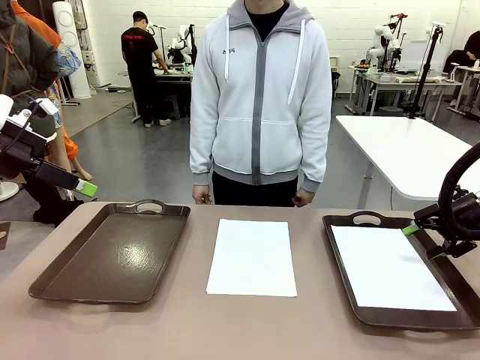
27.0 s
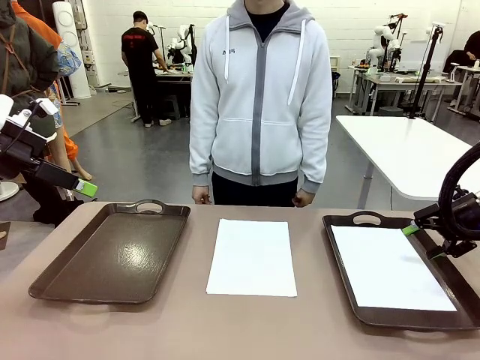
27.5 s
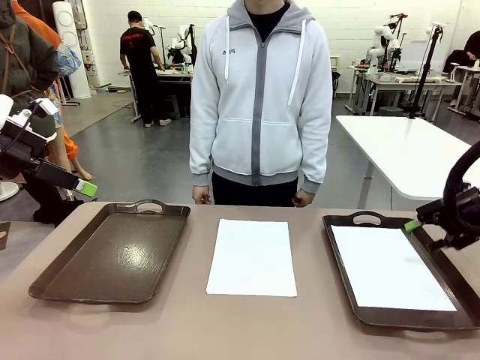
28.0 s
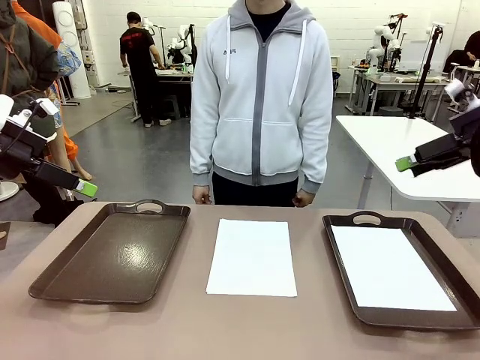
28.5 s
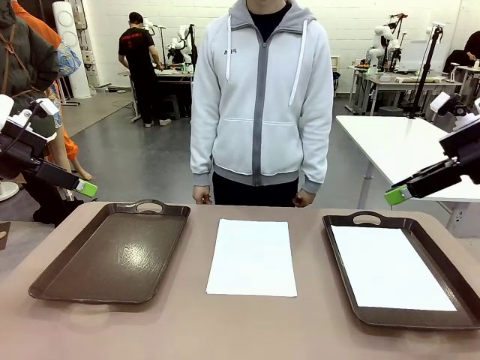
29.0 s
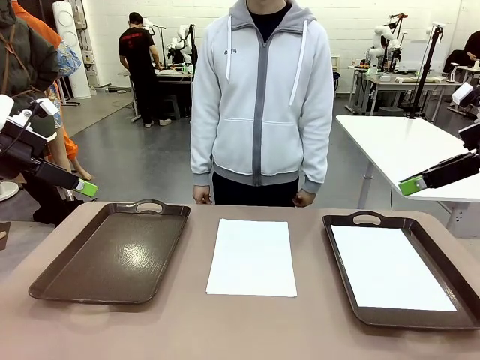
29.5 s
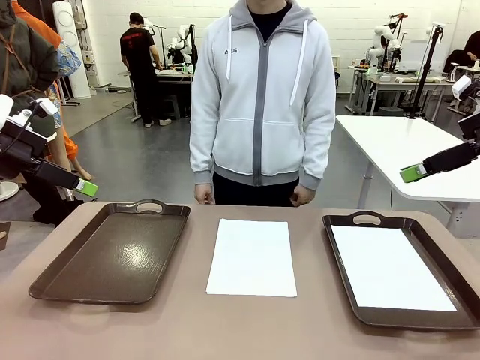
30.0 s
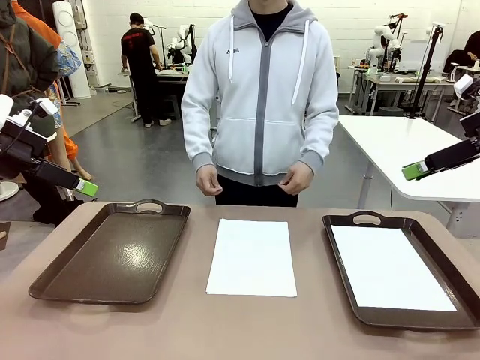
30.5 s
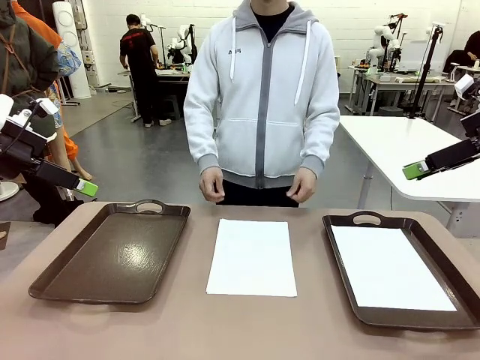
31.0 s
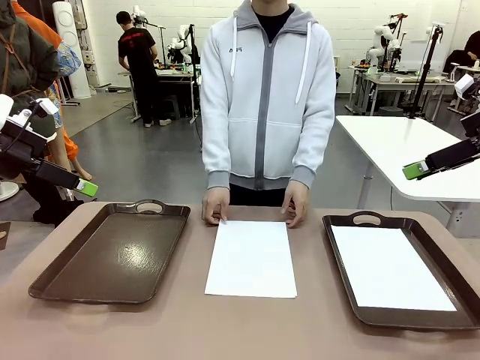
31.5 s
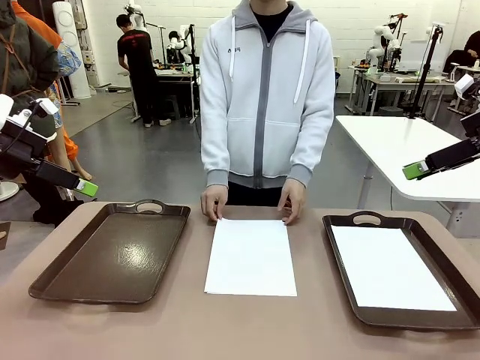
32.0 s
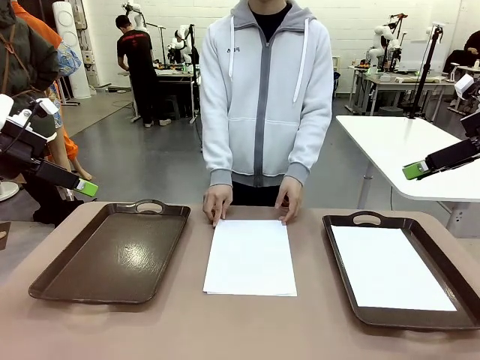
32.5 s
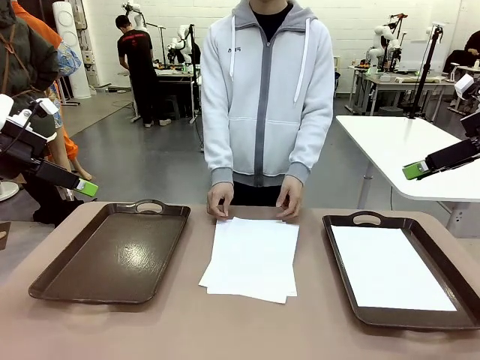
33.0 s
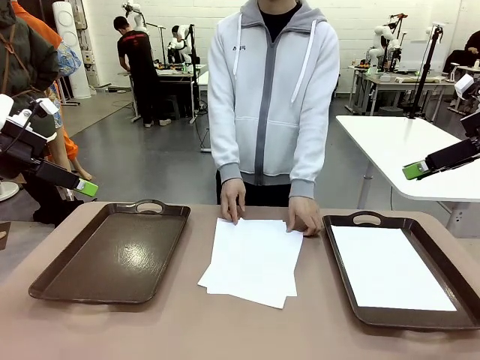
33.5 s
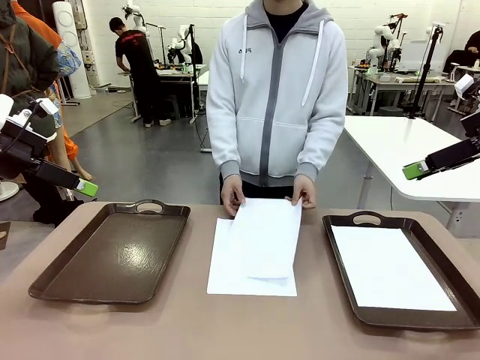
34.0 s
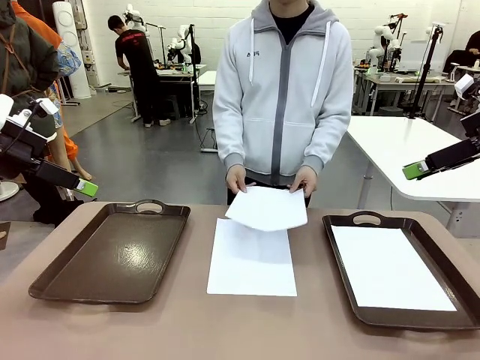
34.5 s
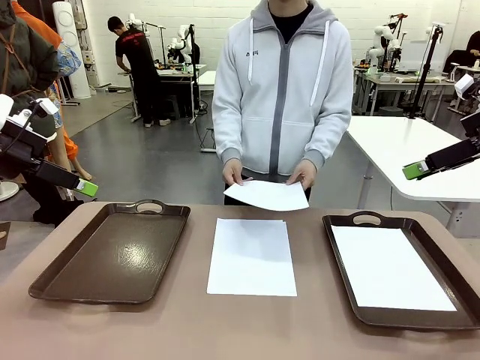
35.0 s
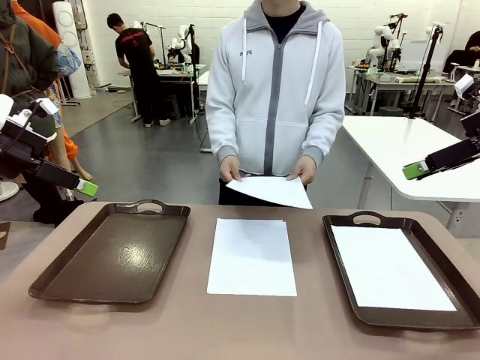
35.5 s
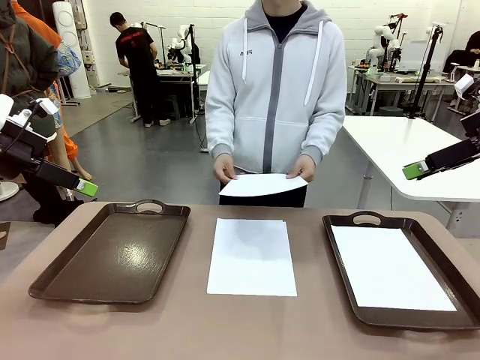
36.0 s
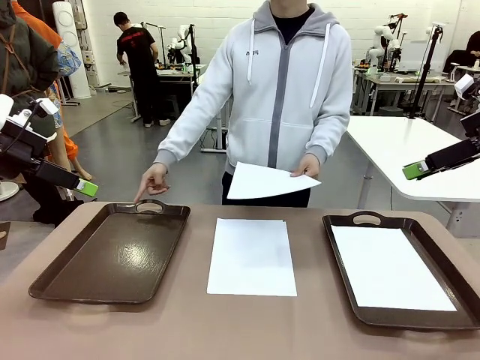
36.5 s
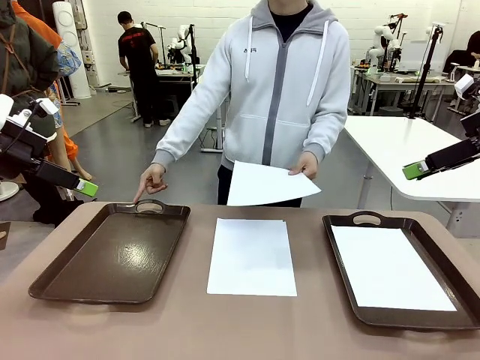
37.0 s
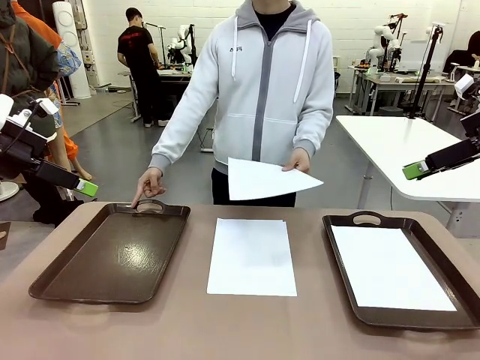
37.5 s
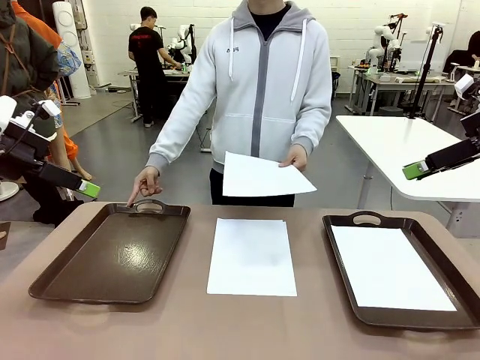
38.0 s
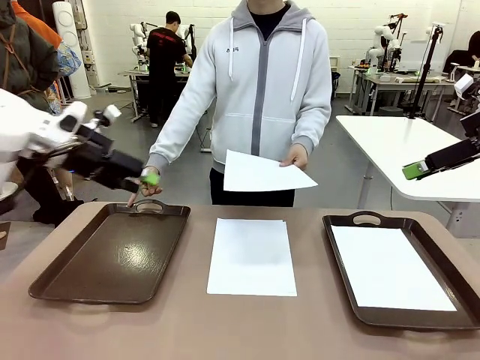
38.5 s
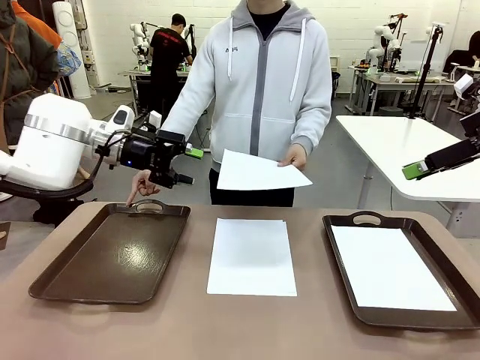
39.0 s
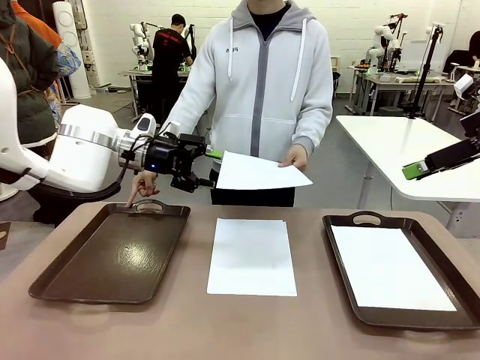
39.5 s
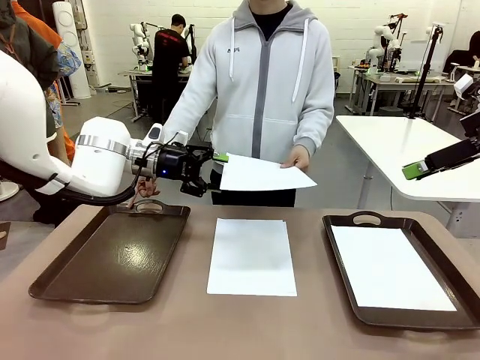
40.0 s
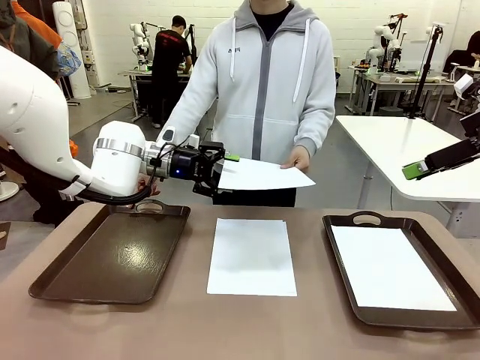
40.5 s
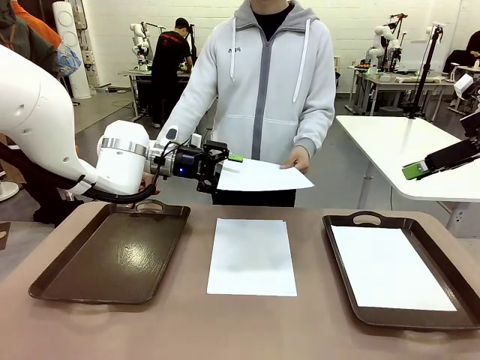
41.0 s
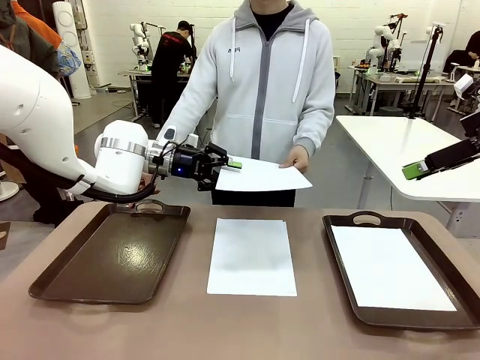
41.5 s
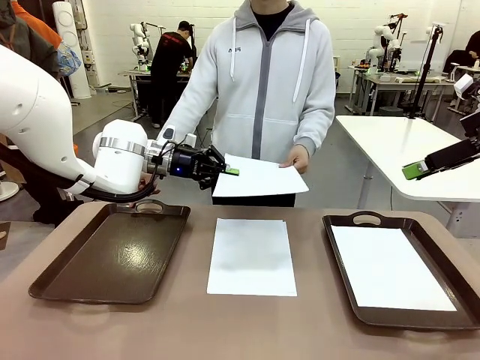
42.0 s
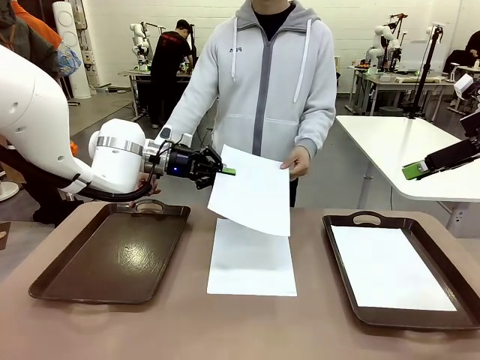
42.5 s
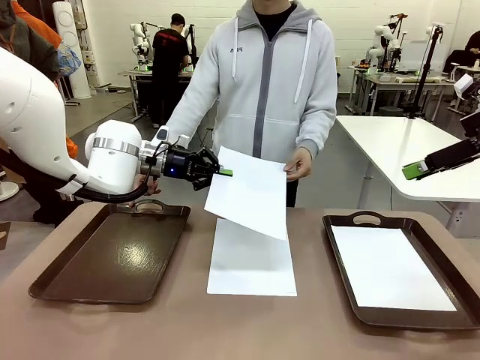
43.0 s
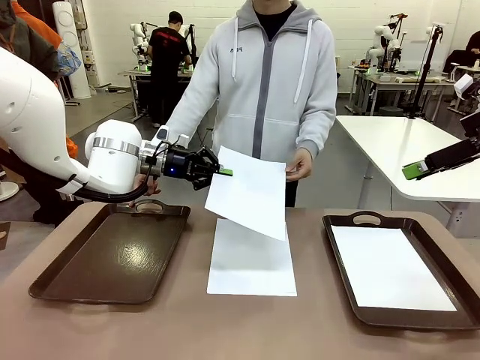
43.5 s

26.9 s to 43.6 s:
Task: Sort the A4 documents.
Robot: Receive the A4 Paper.
Person: Point the randomly selected tray with the other hand.

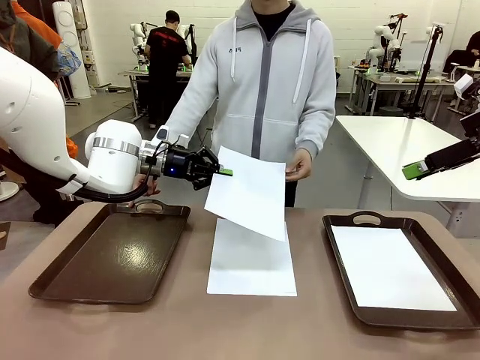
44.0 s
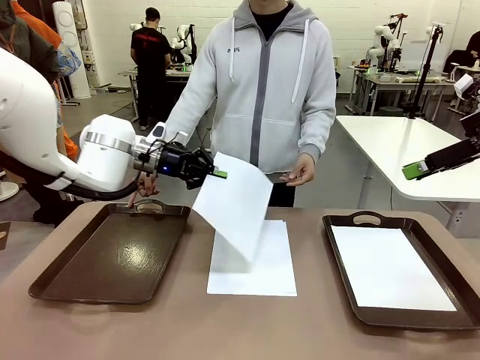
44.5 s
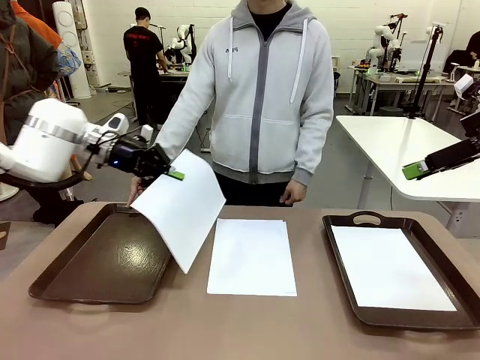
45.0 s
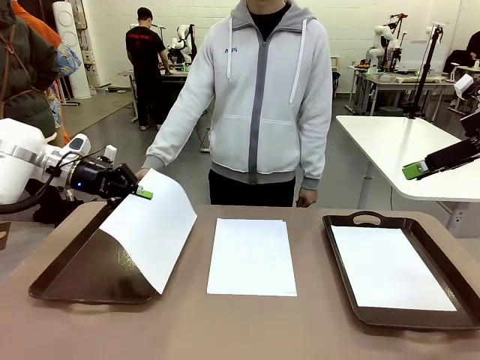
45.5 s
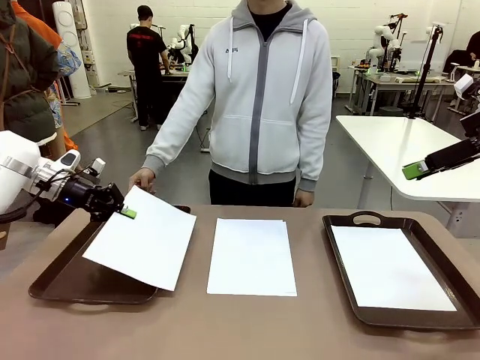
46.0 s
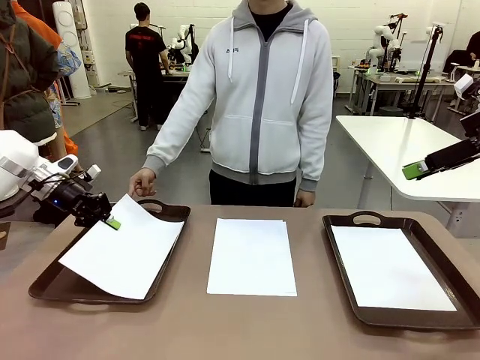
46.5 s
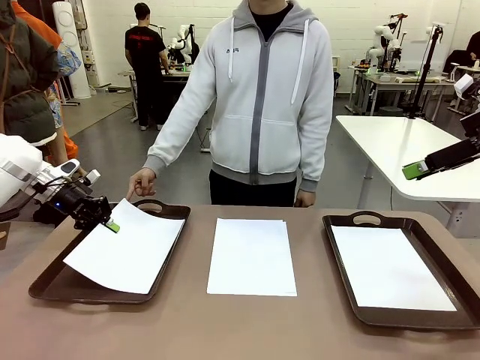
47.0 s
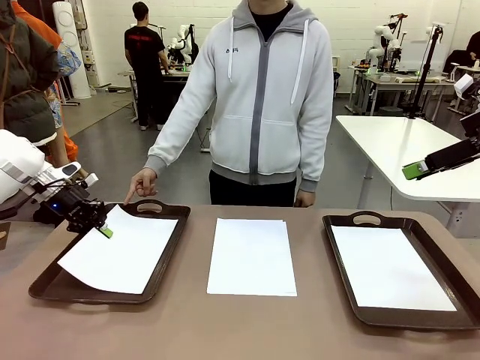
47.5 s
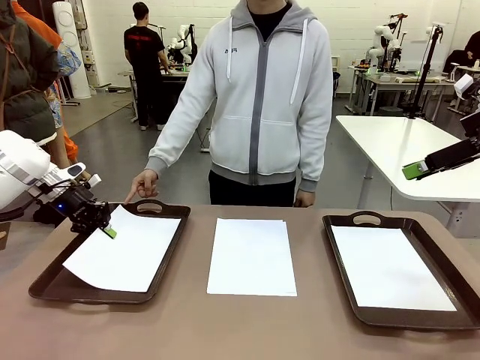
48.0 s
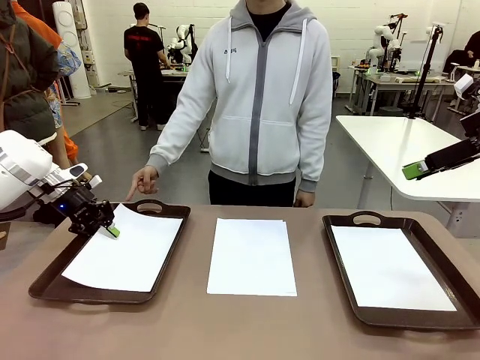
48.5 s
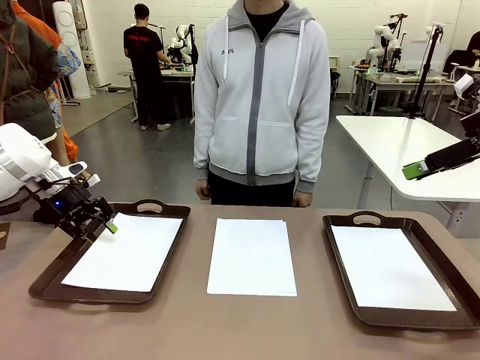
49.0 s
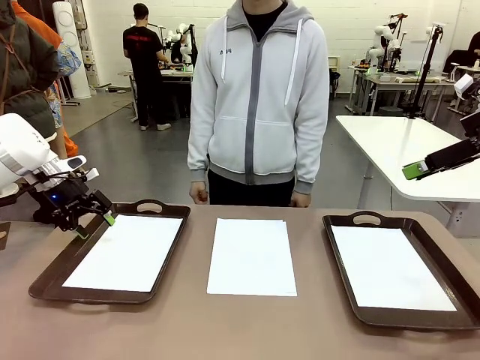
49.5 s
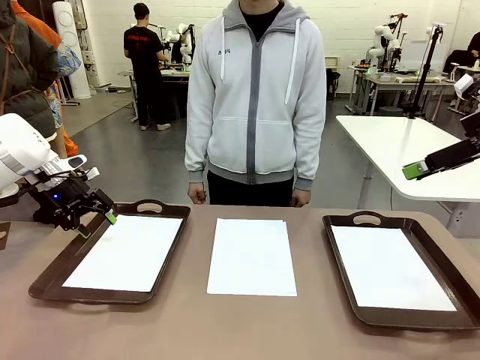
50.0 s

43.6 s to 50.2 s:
Robot: Place the A4 Paper in the designated Handle tray.
